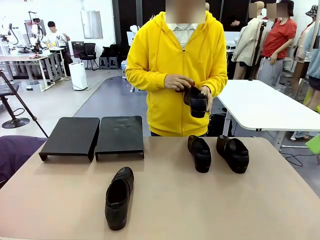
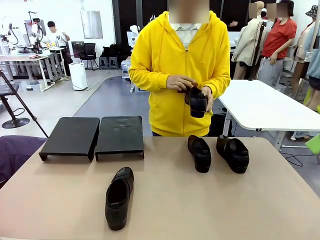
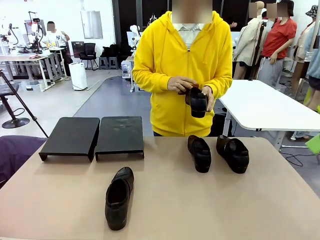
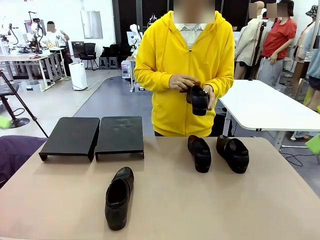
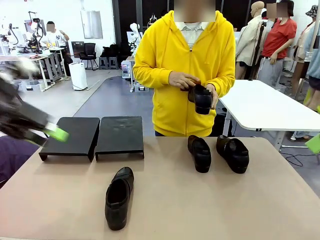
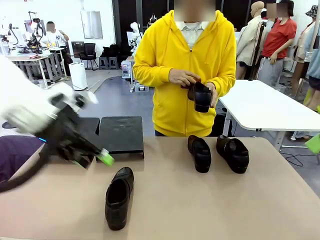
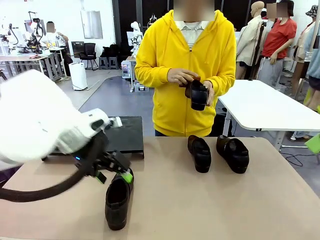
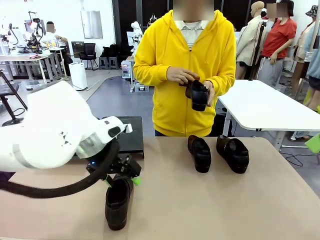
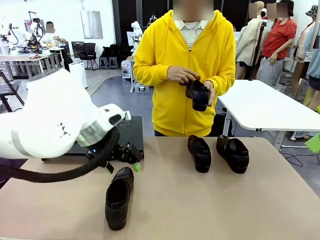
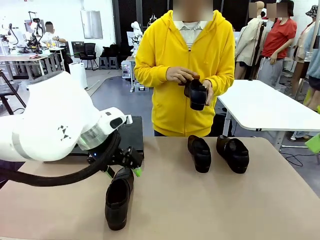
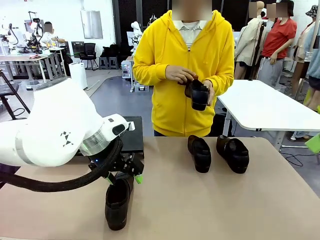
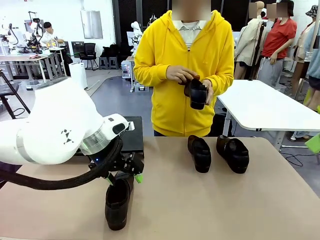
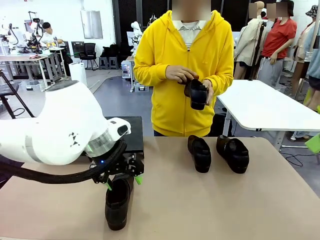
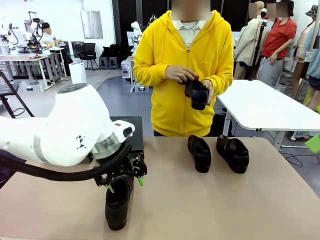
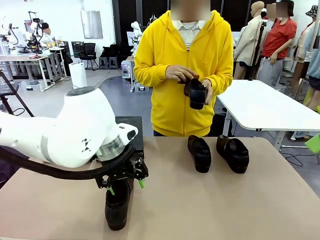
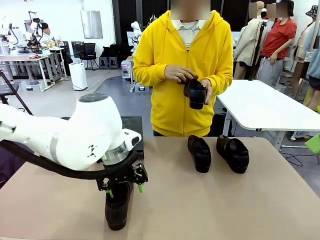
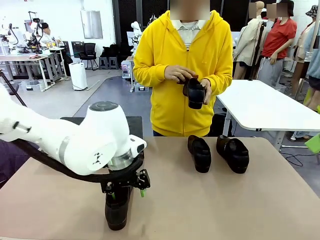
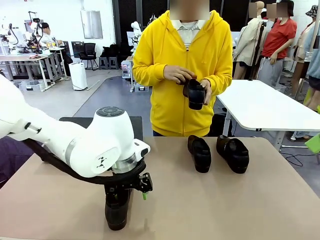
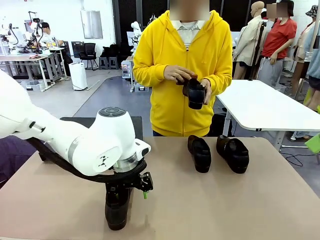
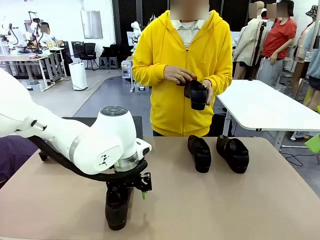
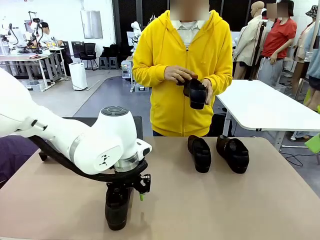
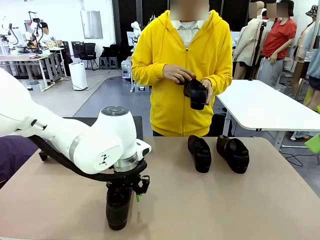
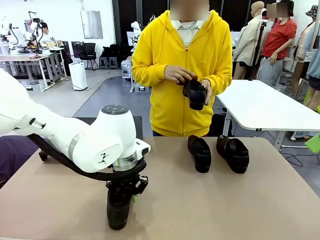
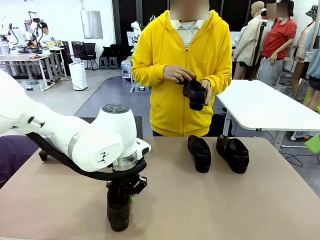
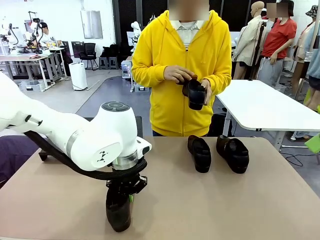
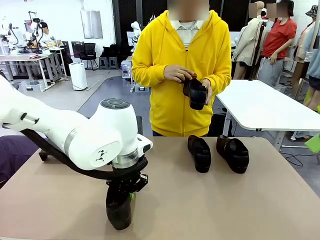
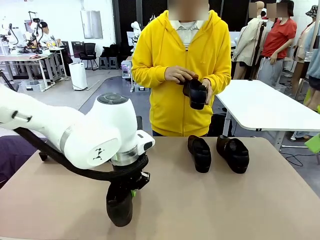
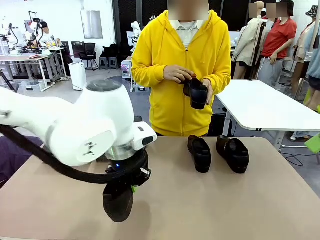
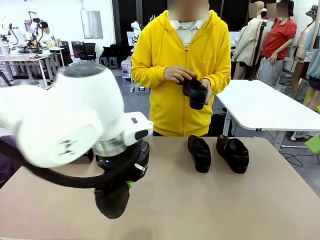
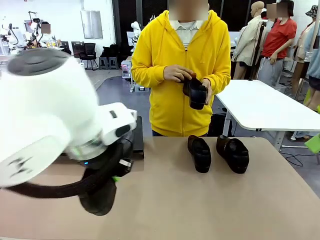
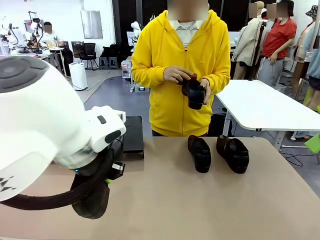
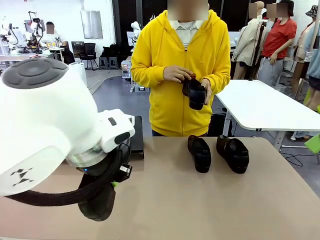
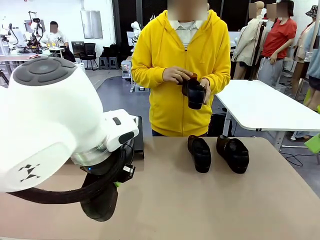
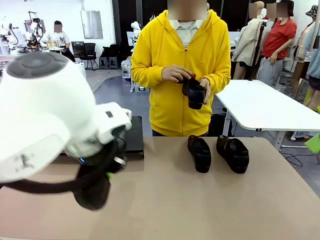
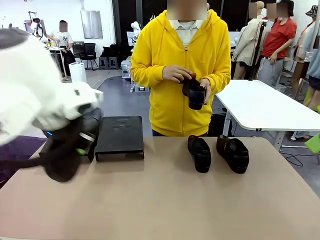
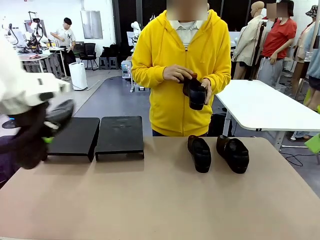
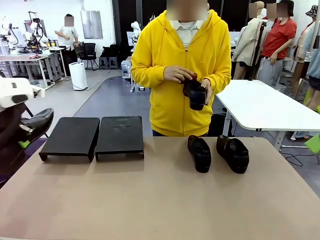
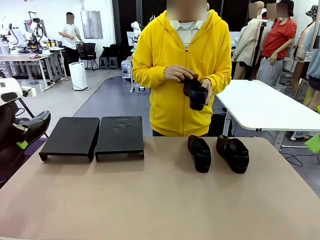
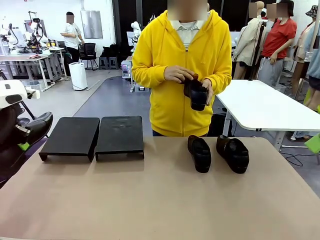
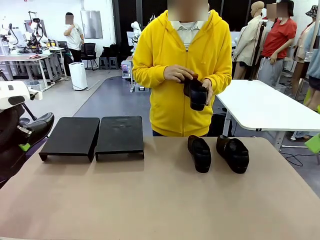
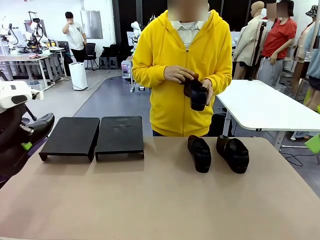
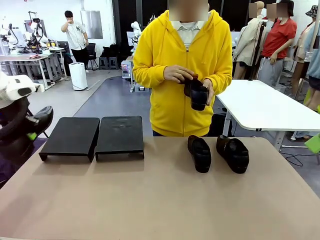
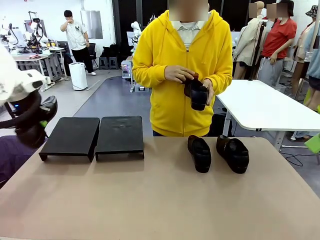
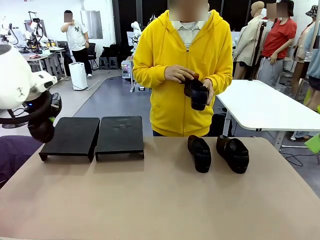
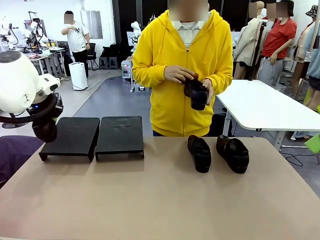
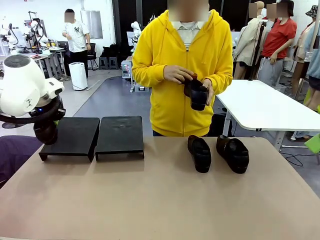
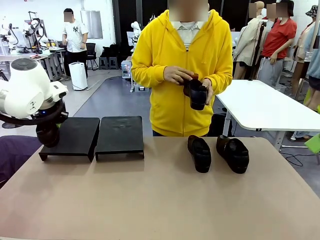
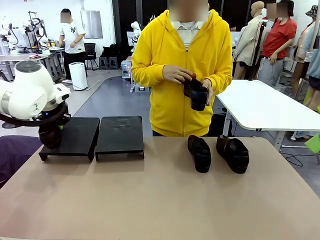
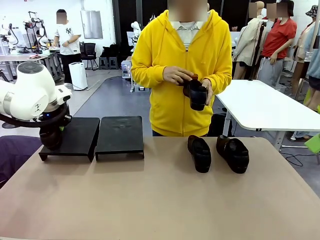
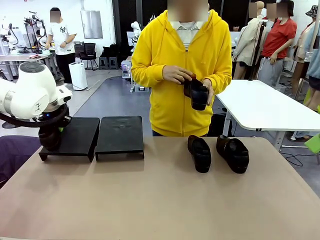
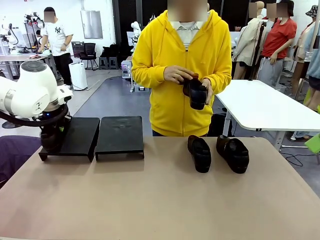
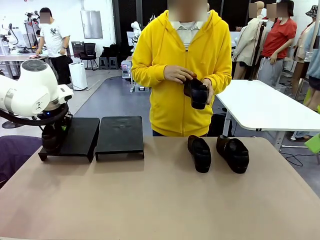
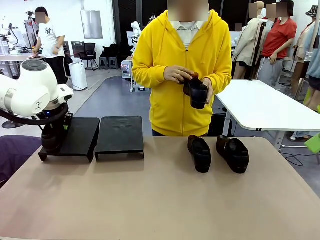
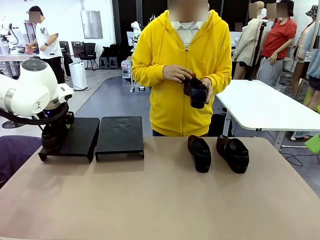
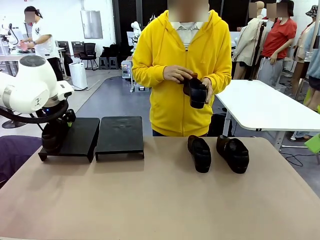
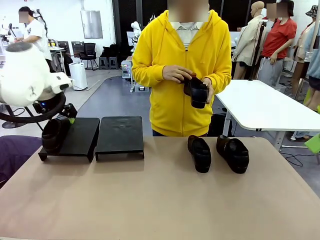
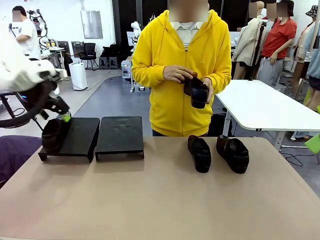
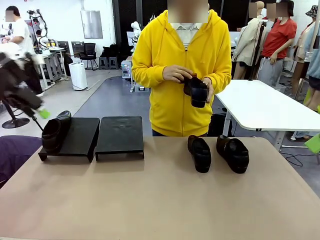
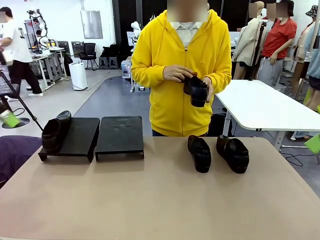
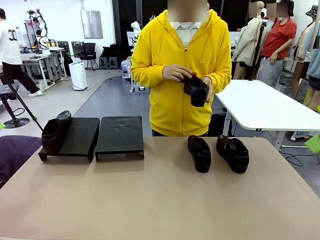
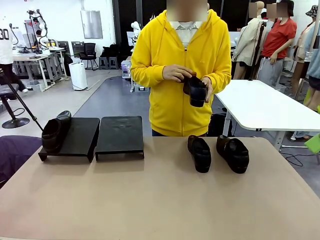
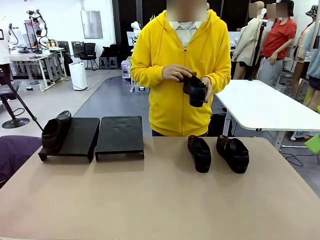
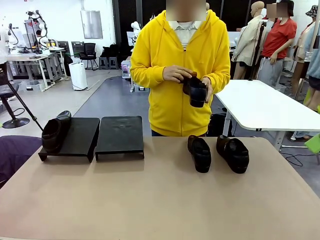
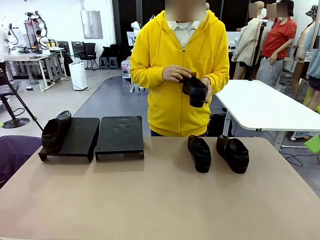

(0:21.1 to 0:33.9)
Task: Organize the shoes by placing them on the stand.
Robot: Place the Shoe from the middle of the table onto the Shoes Stand.
Person: Clean the Shoe with the Shoe Brush.
